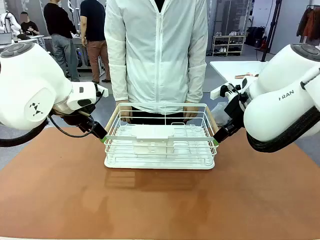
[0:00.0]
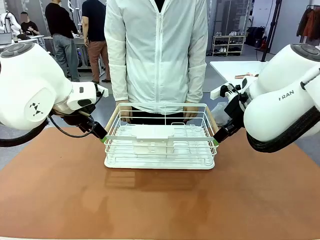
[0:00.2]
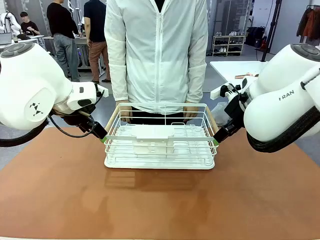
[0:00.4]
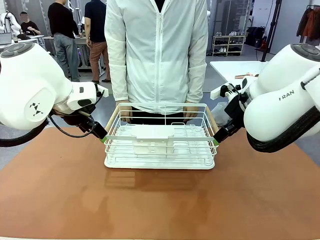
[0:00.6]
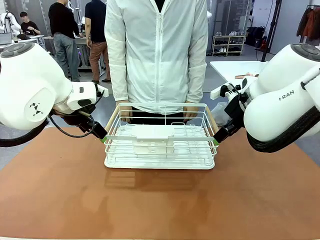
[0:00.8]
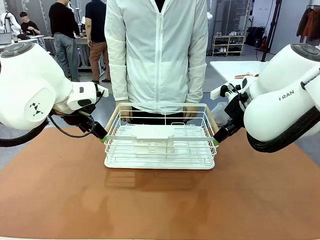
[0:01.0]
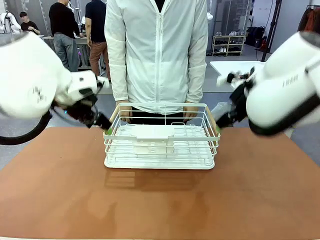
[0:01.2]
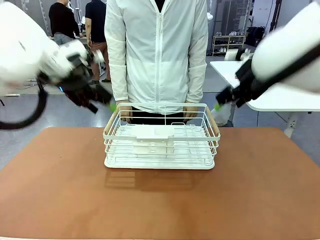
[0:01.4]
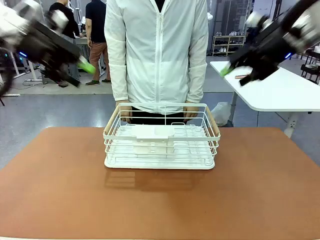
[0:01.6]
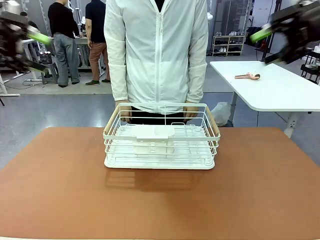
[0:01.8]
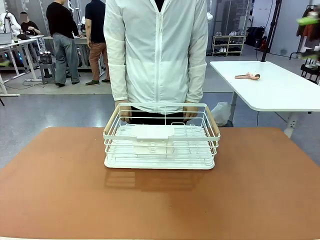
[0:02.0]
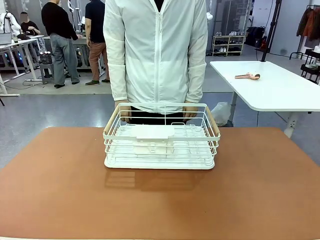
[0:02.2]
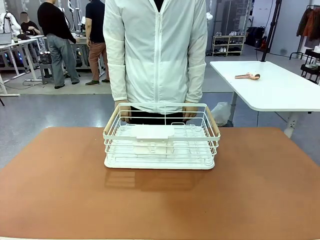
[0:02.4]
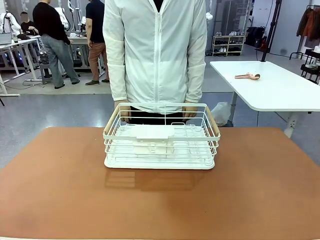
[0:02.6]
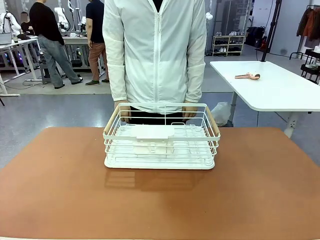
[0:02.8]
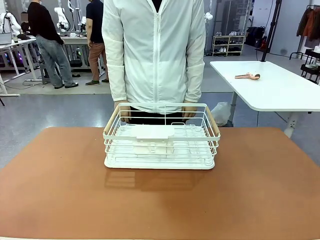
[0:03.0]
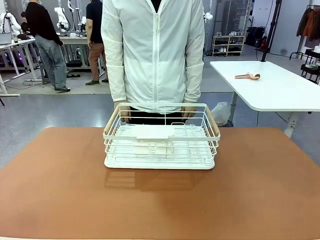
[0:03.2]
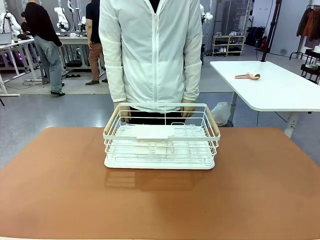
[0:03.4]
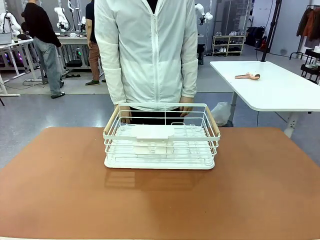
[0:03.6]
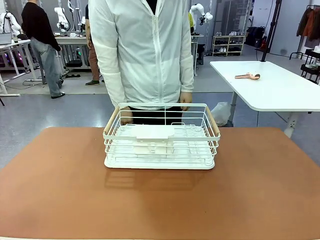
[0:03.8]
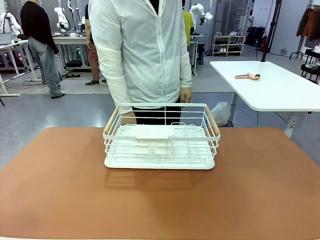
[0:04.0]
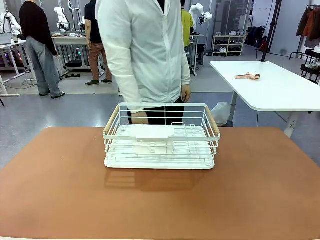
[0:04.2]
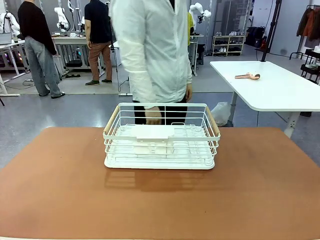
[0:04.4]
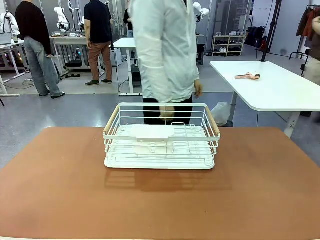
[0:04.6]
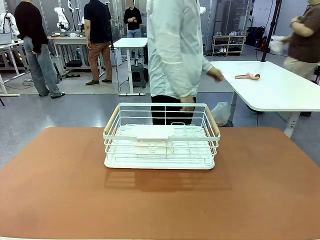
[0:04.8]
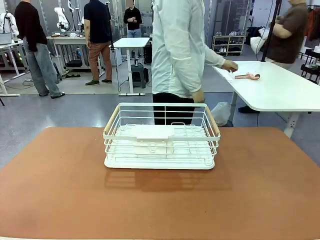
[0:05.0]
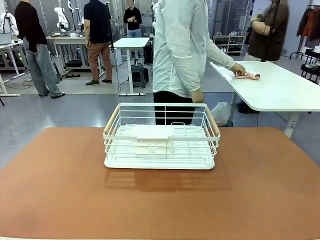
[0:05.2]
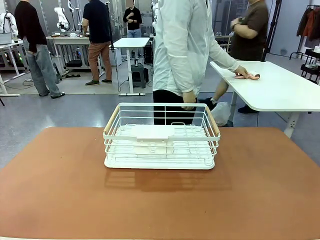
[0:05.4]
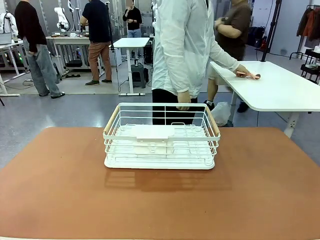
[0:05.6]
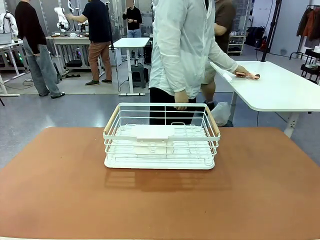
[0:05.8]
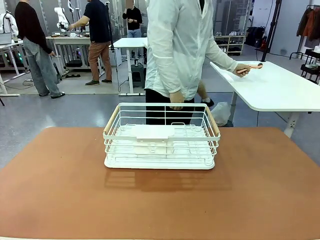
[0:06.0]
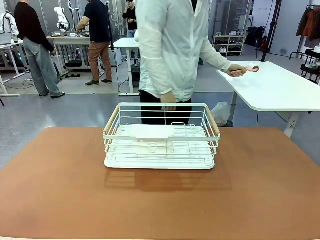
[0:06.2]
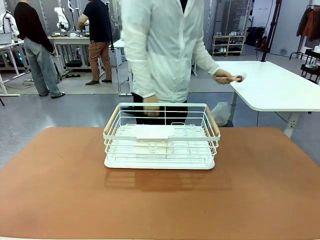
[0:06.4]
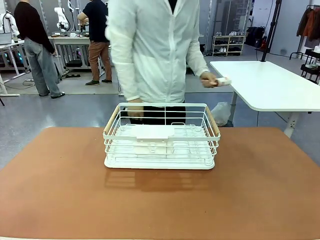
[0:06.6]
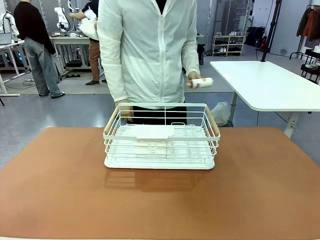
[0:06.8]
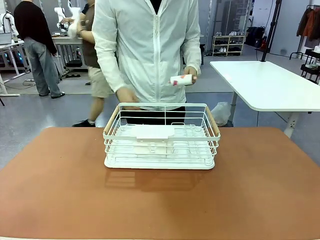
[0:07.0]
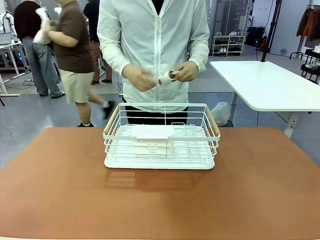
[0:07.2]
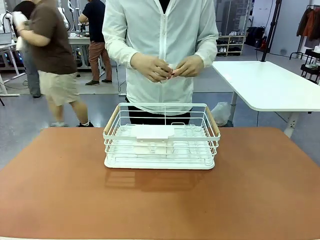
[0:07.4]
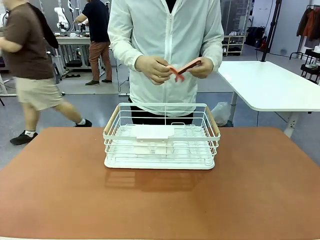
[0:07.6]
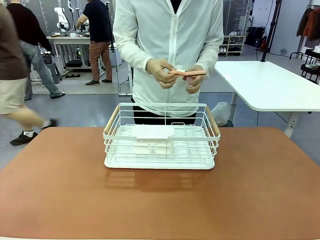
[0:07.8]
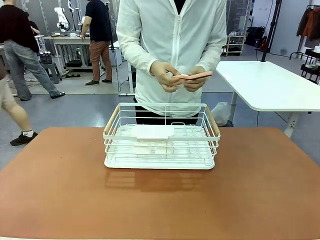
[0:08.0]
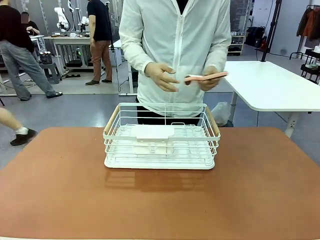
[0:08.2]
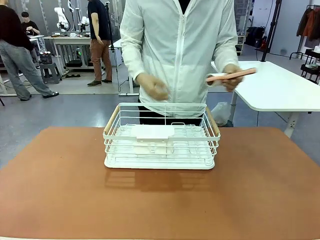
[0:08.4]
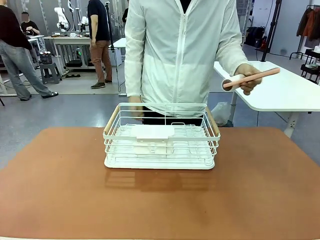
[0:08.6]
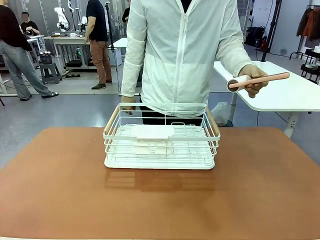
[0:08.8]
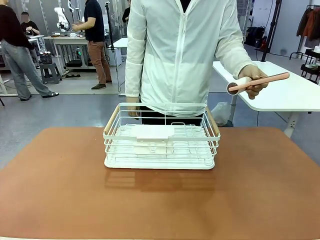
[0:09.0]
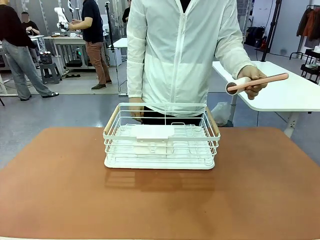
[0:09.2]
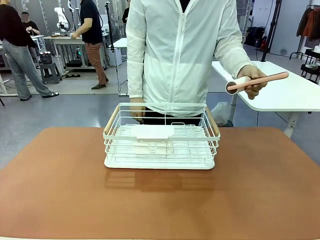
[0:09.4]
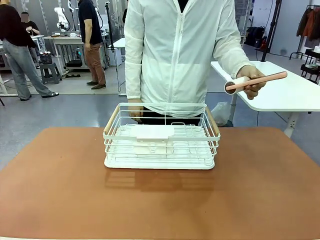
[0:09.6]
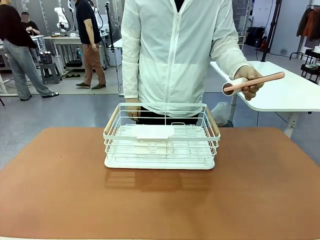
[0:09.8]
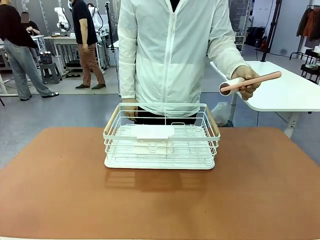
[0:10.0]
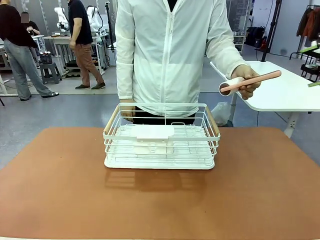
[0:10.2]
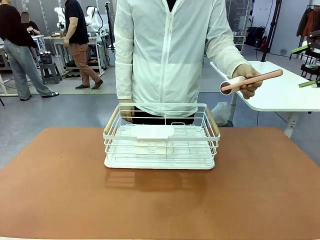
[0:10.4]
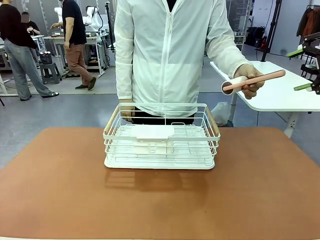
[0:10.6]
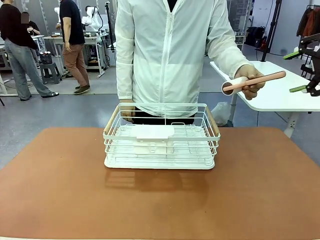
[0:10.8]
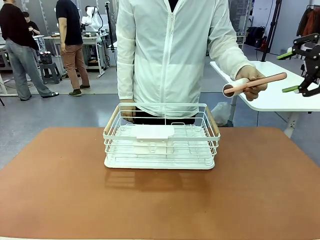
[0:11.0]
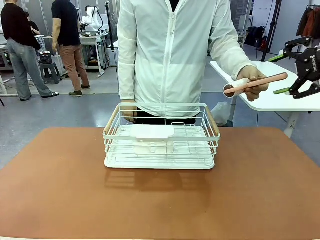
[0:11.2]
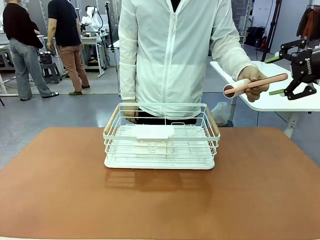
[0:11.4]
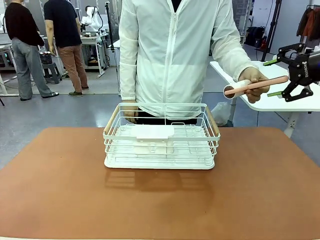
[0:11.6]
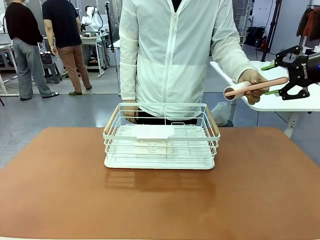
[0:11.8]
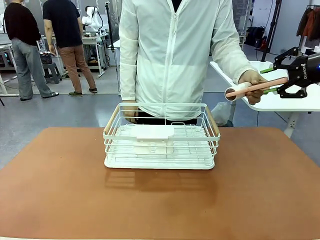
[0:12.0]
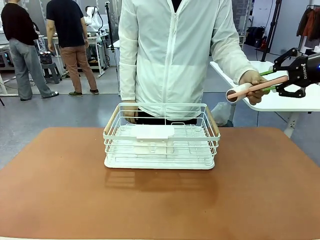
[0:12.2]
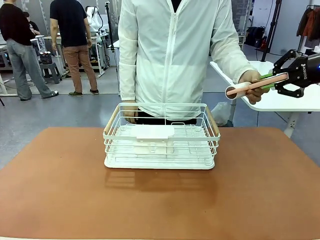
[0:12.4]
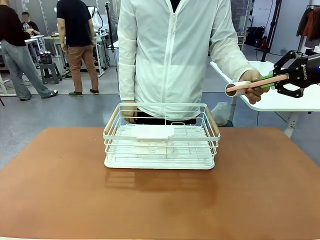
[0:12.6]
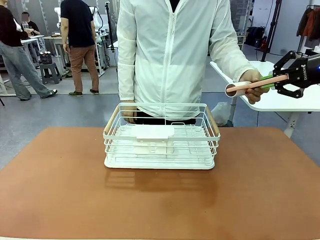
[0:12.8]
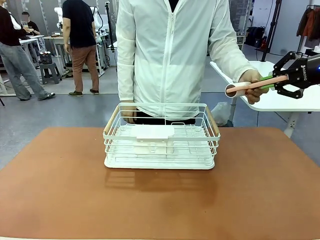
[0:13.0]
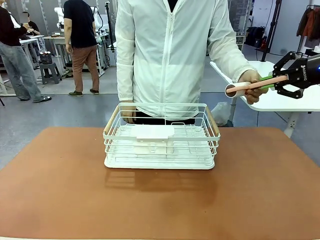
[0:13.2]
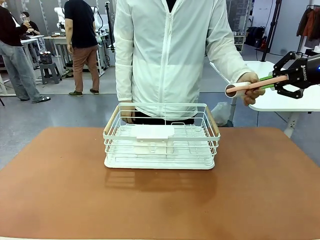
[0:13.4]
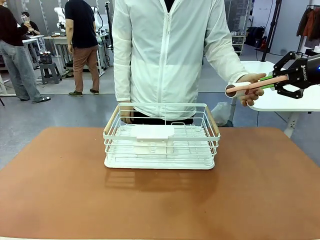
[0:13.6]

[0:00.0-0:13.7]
Task: Clean the table.
Robot: Pick up the Lint Roller when the human hands it over.
Person: Hand the Lint Roller to the robot so it can easily pick it up. Lift the Dish drying rack.

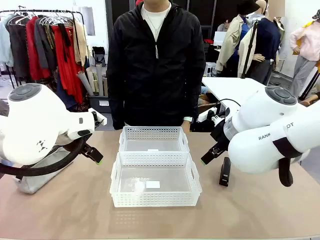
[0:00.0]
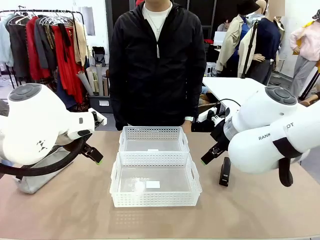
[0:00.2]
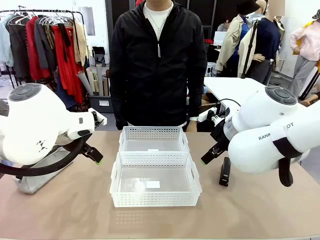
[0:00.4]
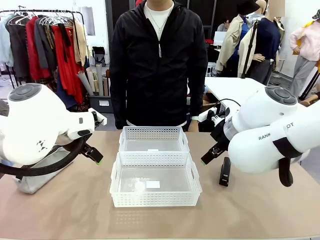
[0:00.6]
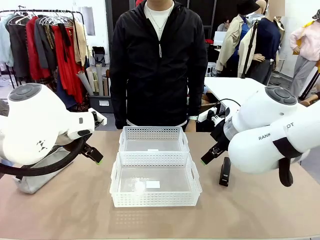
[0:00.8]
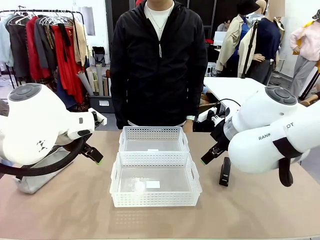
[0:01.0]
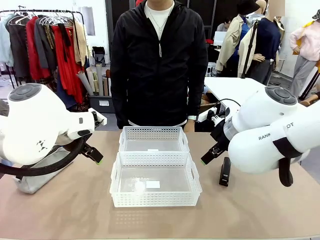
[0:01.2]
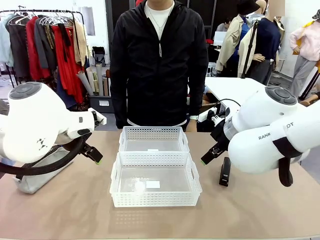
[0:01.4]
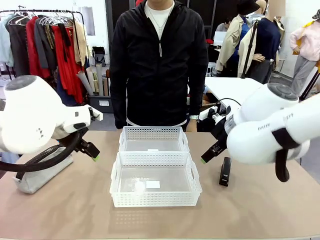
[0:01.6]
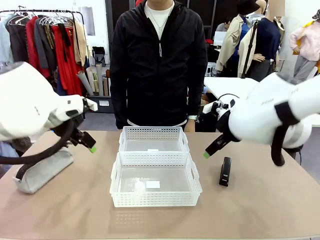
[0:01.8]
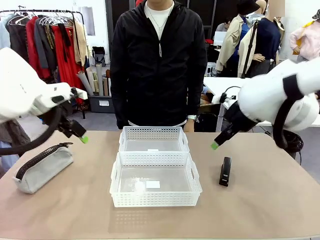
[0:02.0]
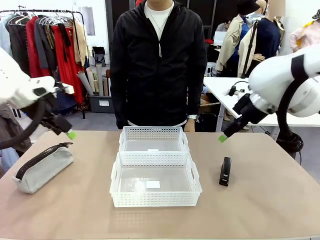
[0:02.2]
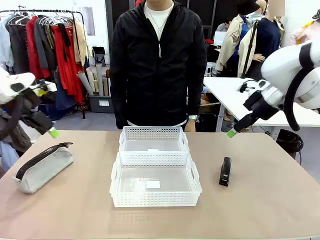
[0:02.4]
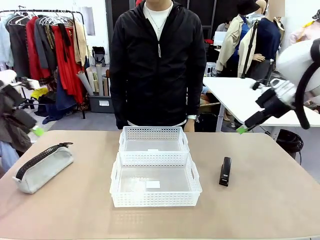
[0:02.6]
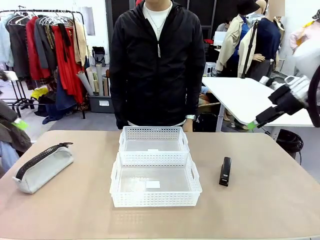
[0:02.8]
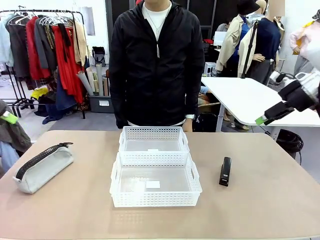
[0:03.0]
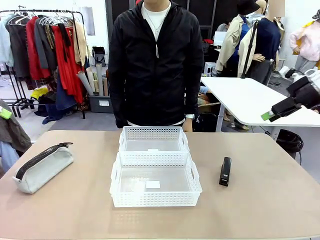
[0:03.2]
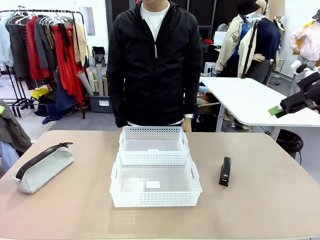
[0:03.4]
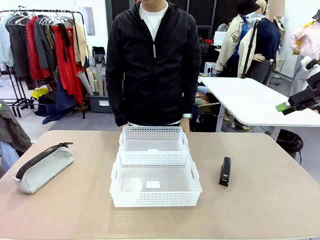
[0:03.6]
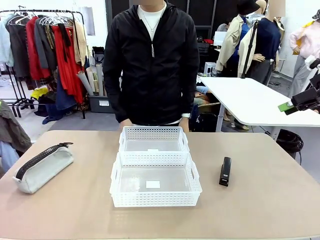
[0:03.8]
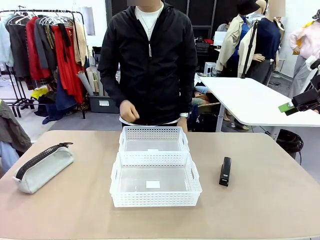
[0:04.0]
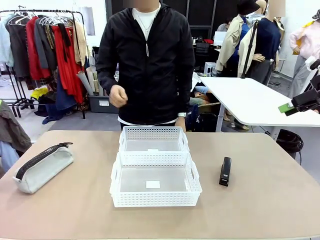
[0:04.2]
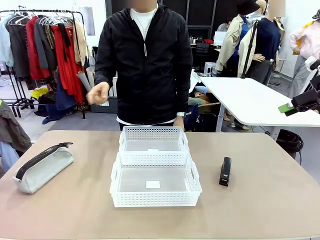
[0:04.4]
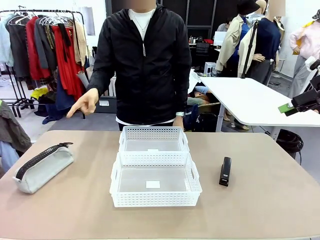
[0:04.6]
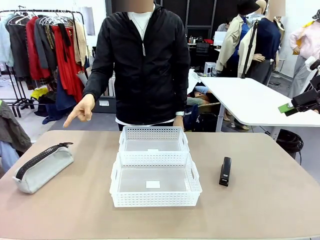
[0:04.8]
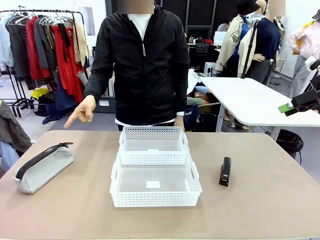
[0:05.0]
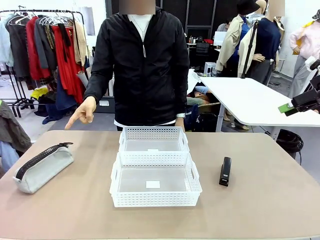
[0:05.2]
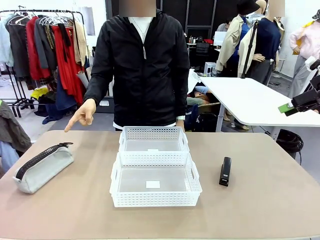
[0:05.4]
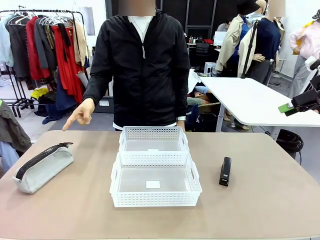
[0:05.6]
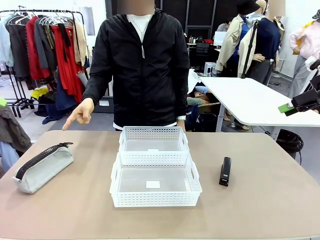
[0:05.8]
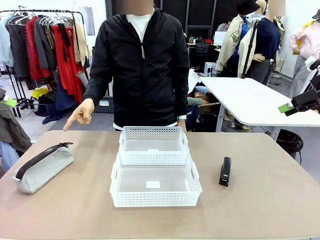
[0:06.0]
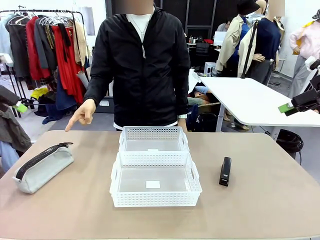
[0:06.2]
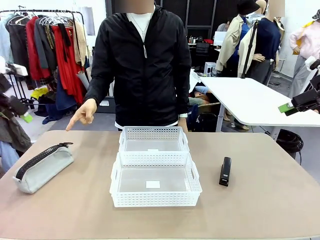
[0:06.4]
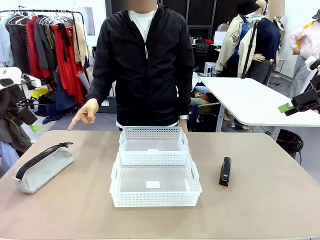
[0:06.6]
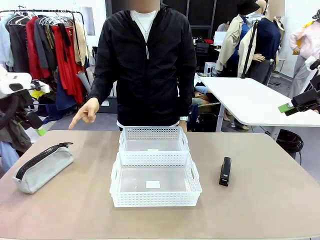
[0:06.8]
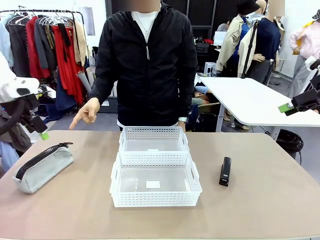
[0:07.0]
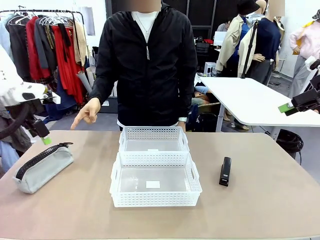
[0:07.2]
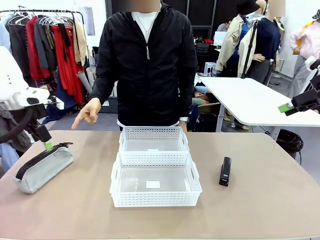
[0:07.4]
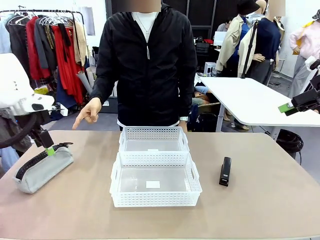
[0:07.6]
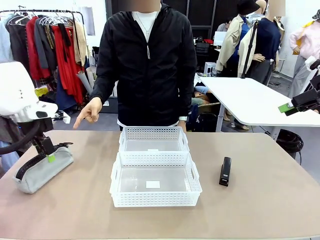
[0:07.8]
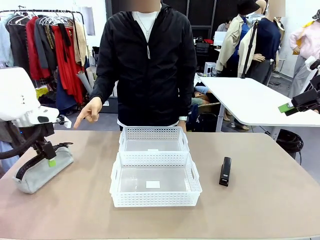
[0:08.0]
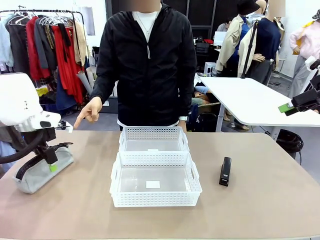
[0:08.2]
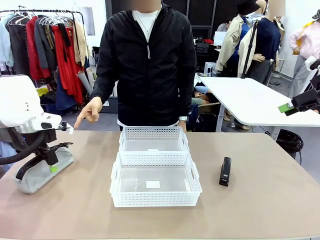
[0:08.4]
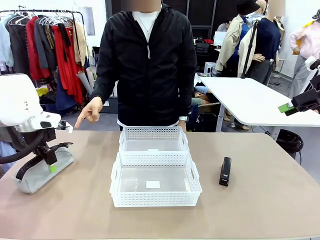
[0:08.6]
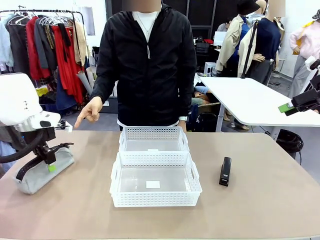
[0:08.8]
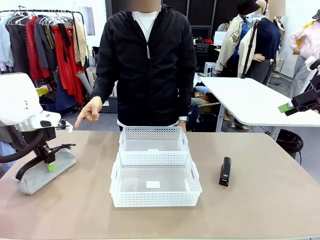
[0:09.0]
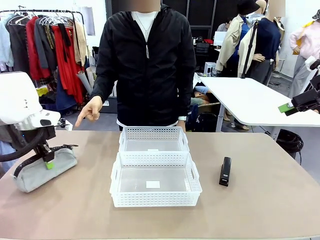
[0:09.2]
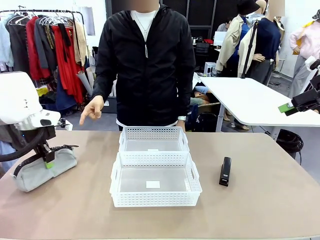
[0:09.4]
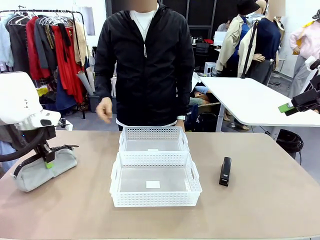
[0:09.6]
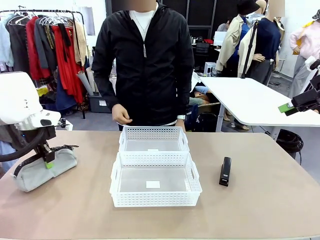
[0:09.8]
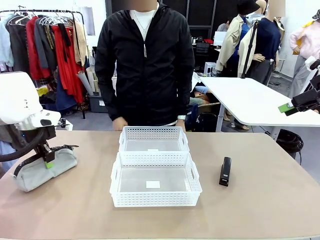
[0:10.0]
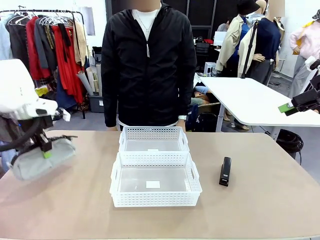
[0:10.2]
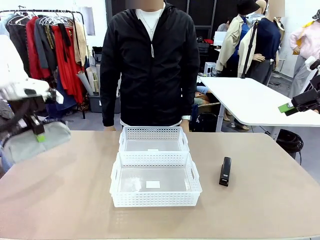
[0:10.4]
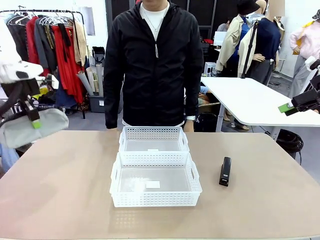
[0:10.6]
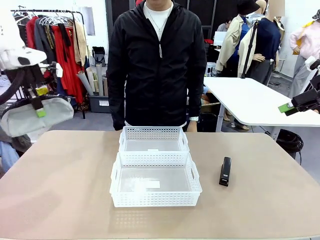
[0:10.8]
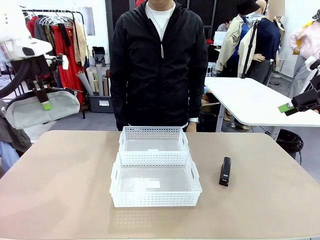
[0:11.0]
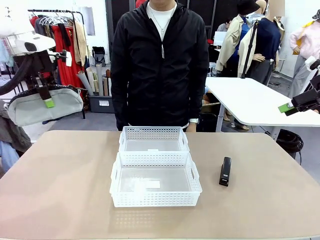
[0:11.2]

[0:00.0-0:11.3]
Task: Distribute items into two baskets.
Robot: Pick up the Pencil pouch that the person points to.
Person: Points to the pencil case. Points between the two organizing baskets and instructs the robot to move the pencil case.
